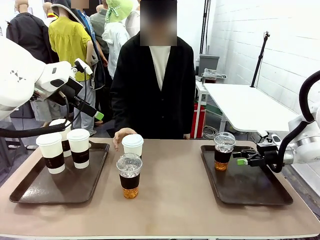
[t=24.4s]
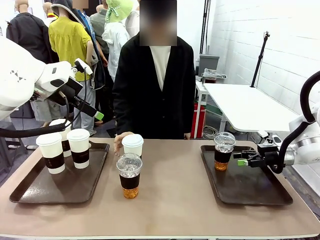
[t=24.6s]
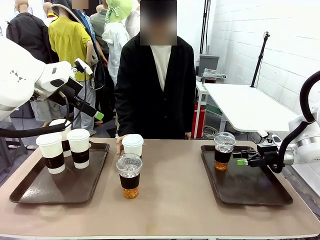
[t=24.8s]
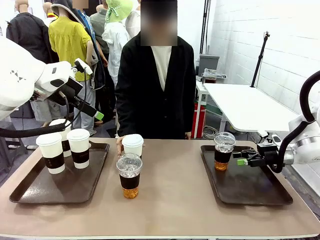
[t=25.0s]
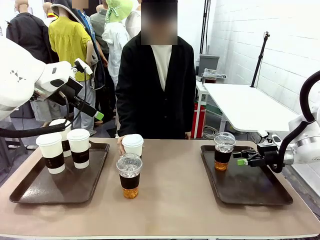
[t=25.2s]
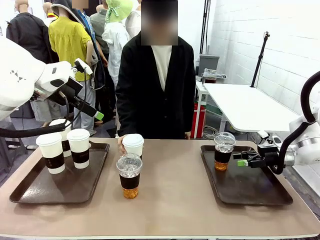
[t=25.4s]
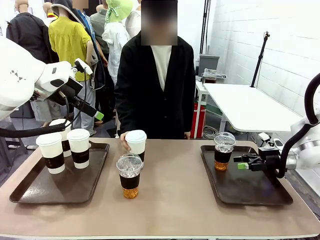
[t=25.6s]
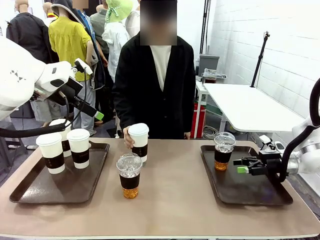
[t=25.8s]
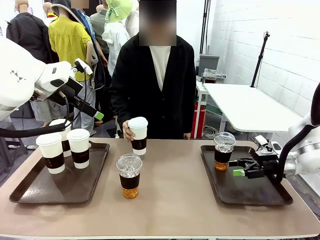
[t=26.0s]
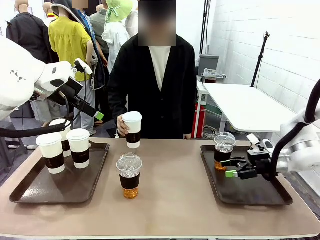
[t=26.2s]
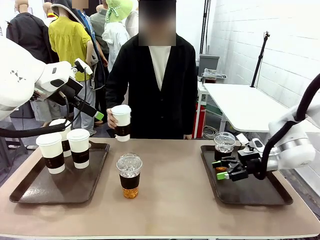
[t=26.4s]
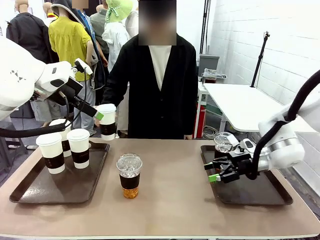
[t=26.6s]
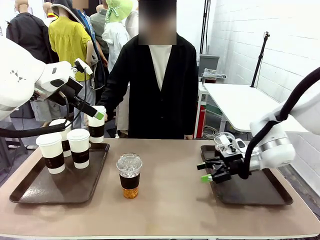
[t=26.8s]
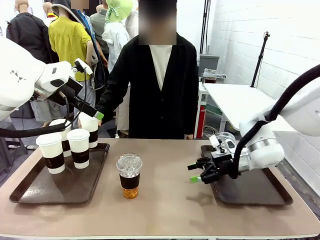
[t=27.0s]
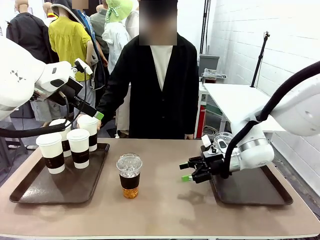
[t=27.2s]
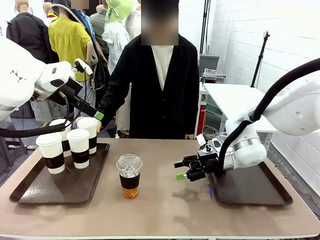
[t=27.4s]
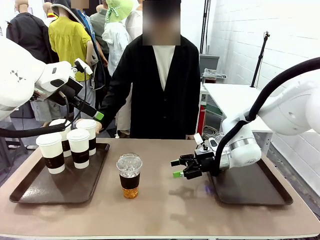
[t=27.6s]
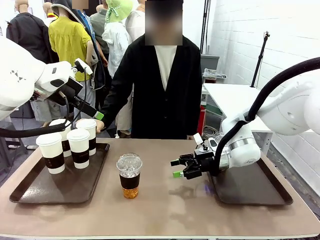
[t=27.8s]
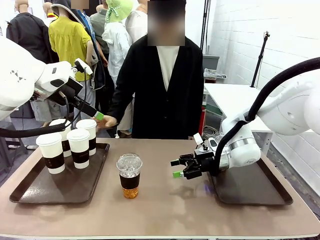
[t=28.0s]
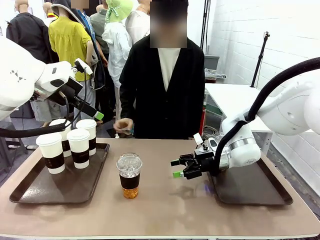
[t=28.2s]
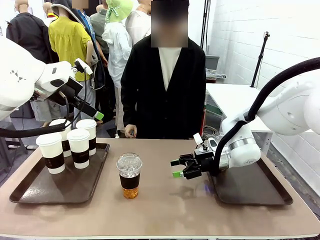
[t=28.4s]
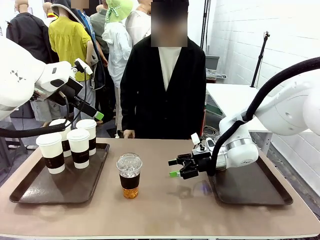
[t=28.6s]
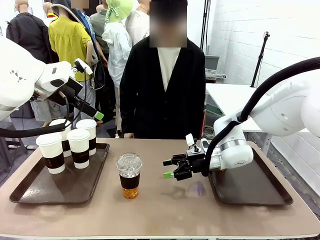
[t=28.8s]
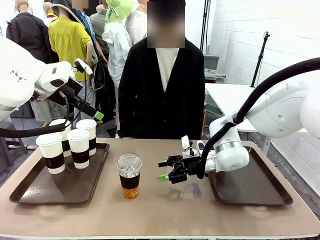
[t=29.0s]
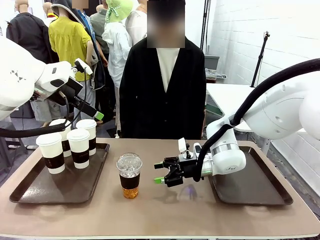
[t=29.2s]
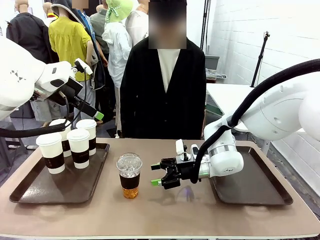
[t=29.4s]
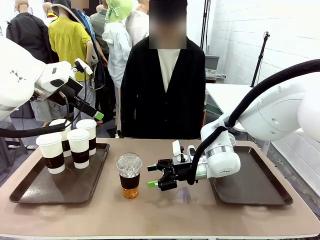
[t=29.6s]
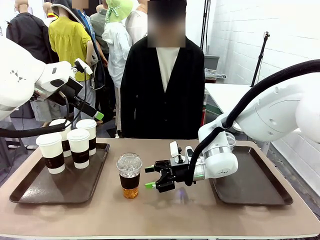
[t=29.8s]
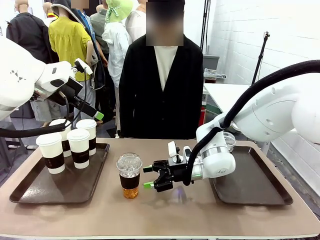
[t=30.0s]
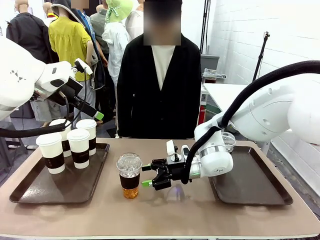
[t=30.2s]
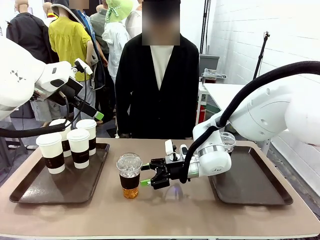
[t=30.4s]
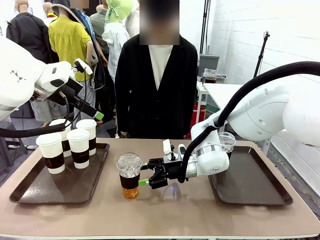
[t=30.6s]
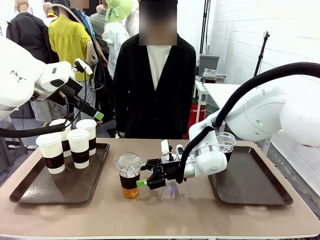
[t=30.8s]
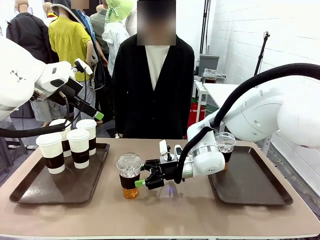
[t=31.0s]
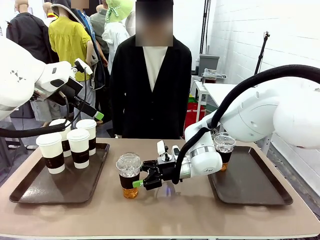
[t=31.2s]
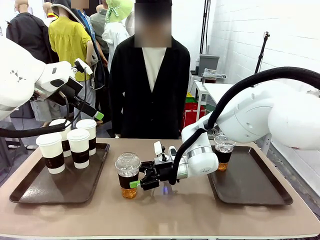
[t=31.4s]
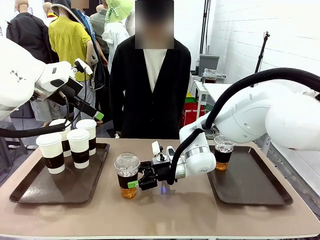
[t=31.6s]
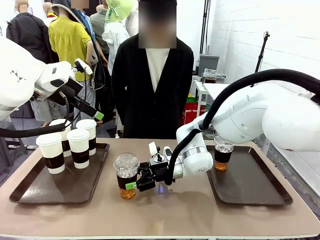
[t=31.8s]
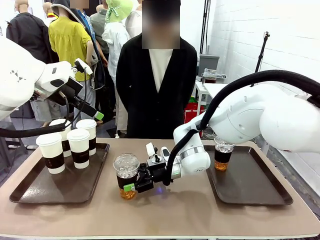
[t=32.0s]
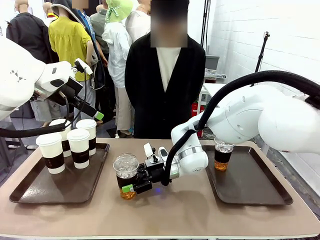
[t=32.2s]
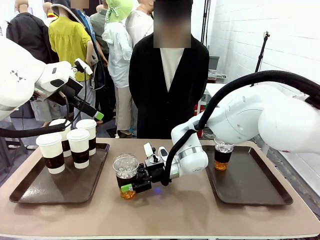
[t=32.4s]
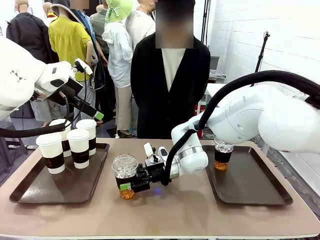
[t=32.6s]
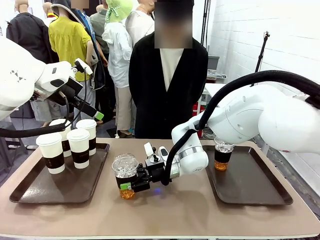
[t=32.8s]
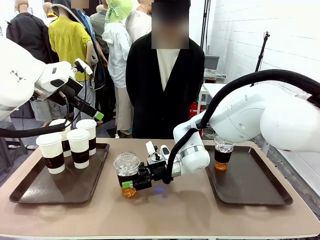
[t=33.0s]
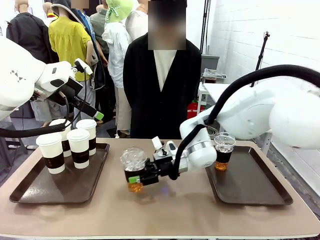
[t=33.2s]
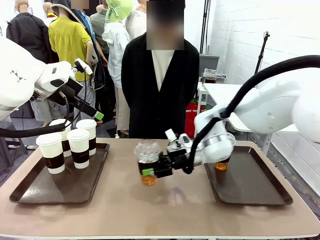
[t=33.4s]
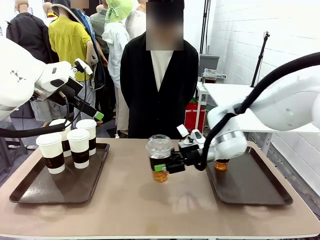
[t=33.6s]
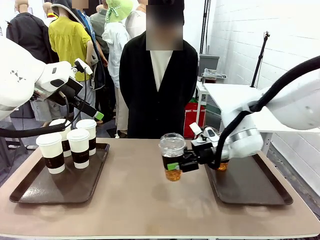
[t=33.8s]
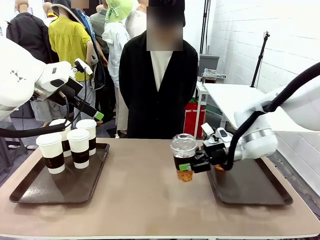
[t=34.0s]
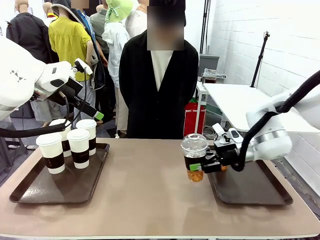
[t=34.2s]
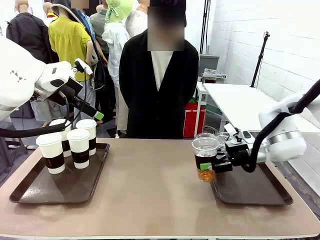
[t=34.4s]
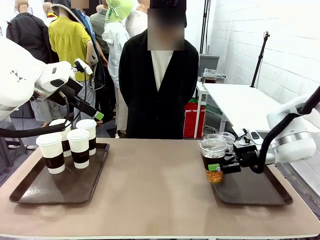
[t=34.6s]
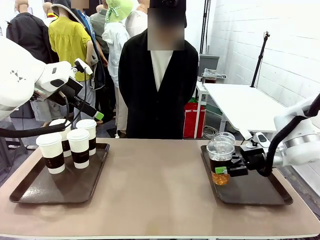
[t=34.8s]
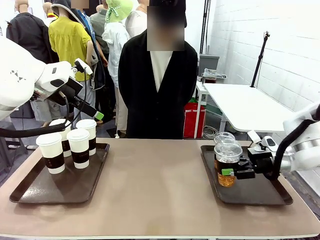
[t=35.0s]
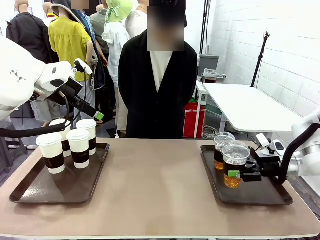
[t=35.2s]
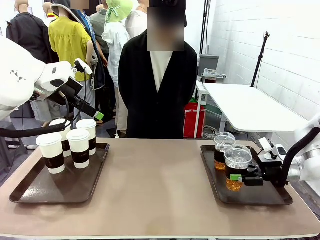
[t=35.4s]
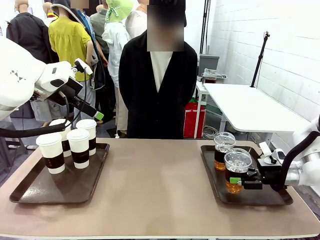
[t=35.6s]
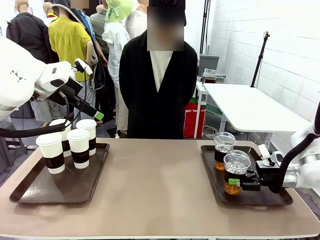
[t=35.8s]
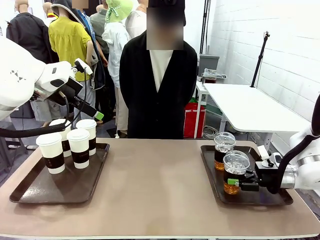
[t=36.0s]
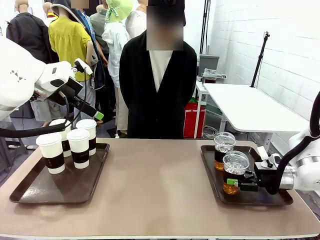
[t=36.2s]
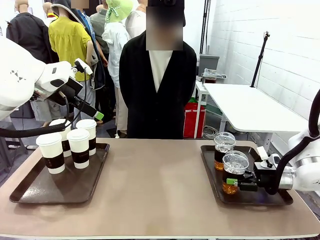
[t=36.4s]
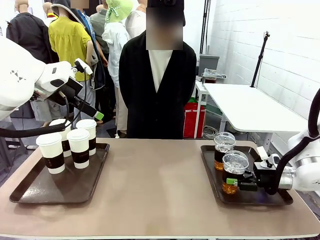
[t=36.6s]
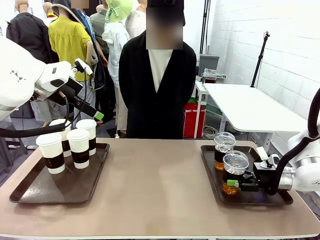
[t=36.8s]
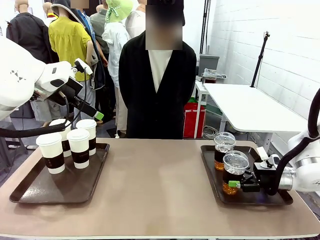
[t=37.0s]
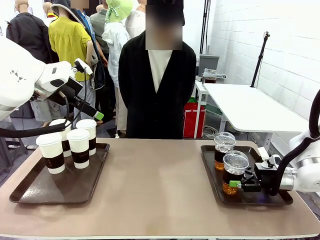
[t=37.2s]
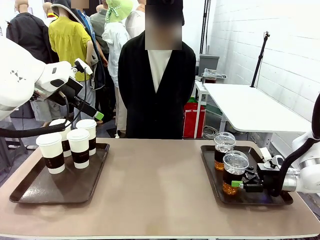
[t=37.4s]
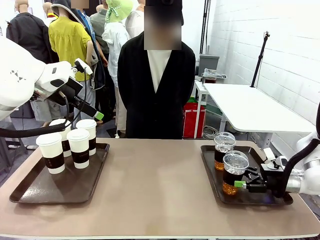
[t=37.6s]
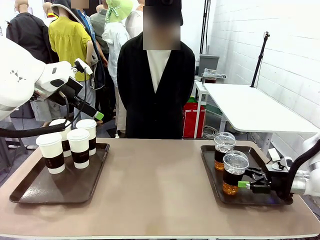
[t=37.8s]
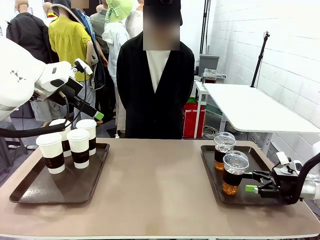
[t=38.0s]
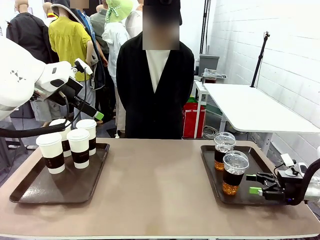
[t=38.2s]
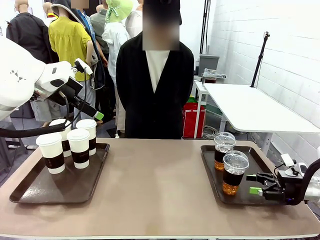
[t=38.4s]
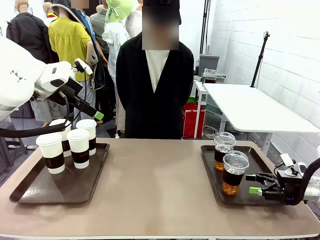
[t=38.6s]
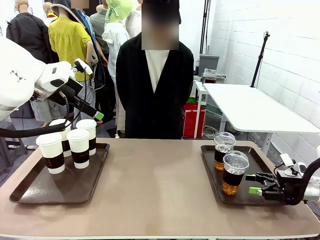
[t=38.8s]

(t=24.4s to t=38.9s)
Task: Distribute the coffee onto the tray.
Robot: Pick up another iced Americano from the middle of the table and place it on the right Handle tray.
